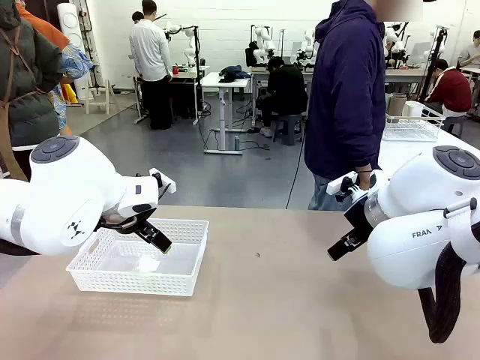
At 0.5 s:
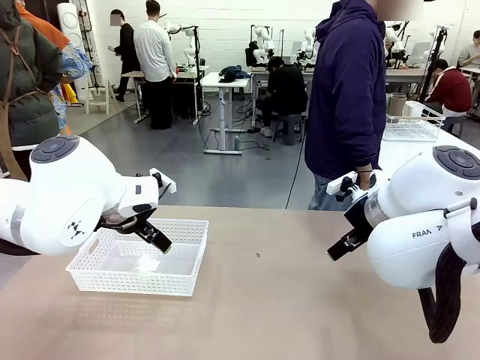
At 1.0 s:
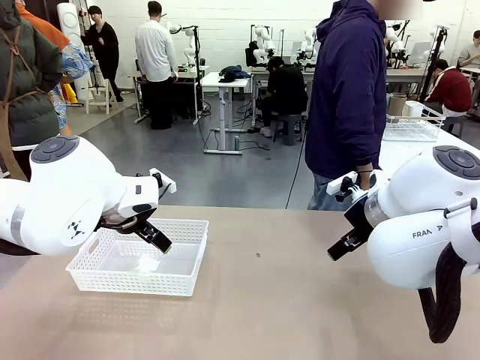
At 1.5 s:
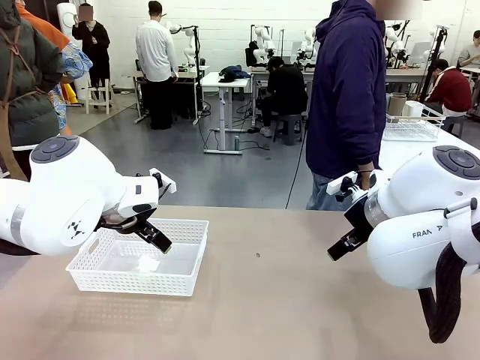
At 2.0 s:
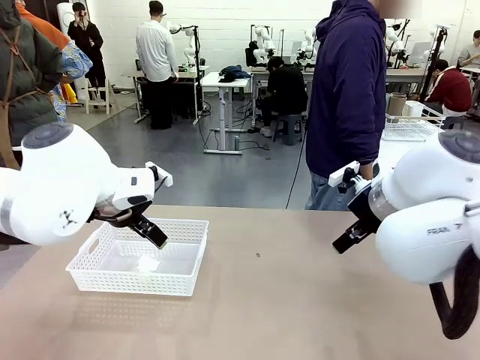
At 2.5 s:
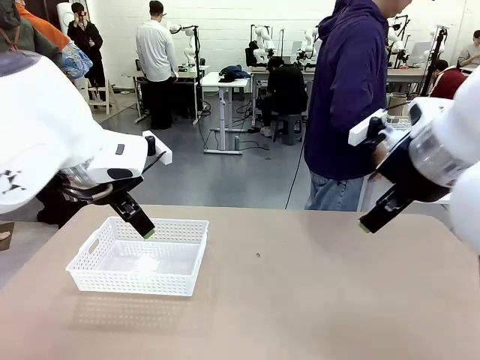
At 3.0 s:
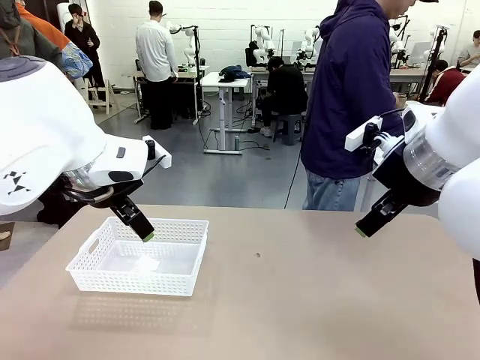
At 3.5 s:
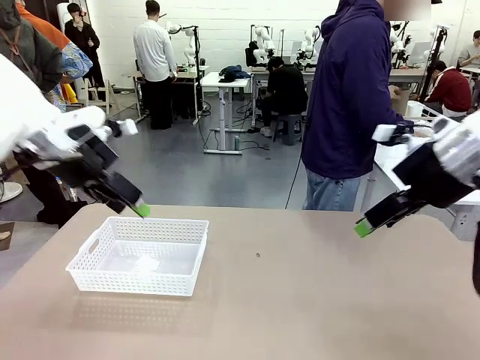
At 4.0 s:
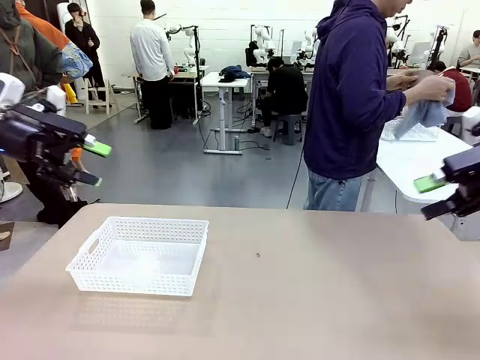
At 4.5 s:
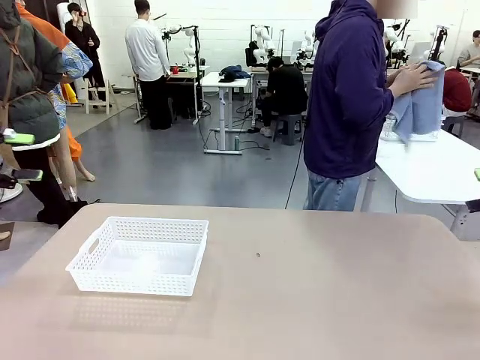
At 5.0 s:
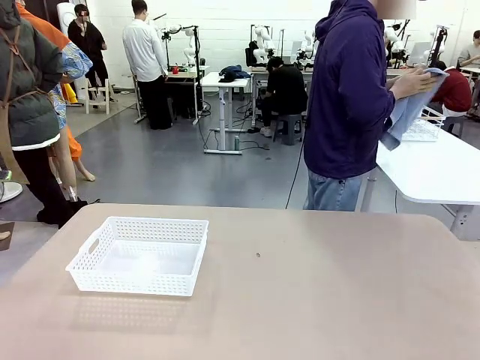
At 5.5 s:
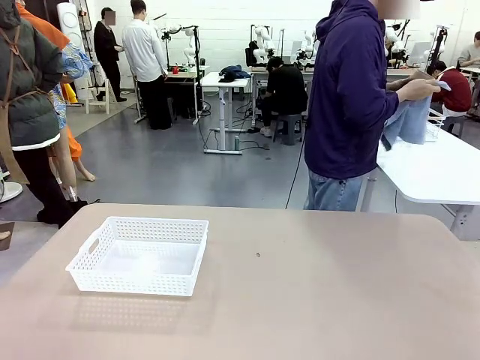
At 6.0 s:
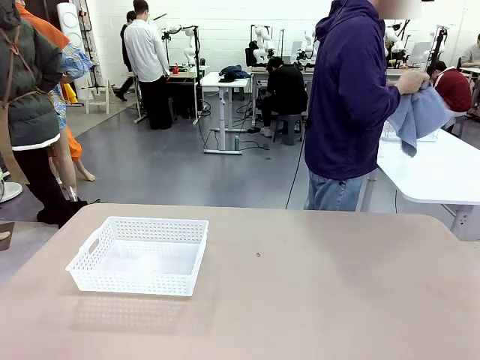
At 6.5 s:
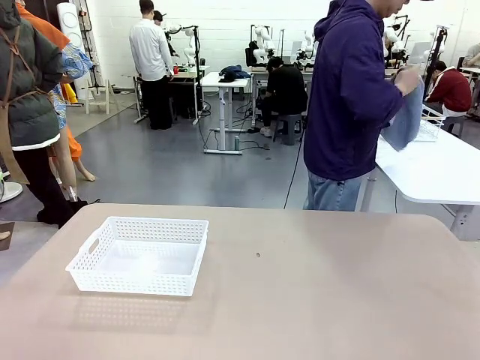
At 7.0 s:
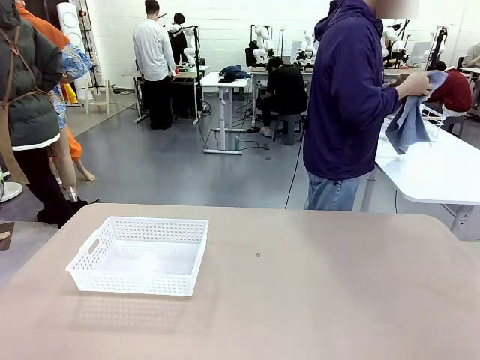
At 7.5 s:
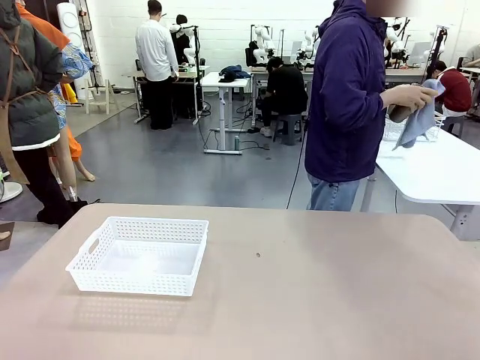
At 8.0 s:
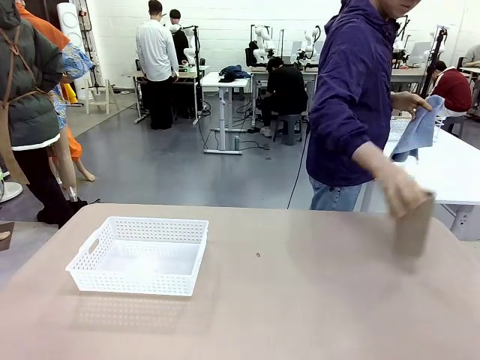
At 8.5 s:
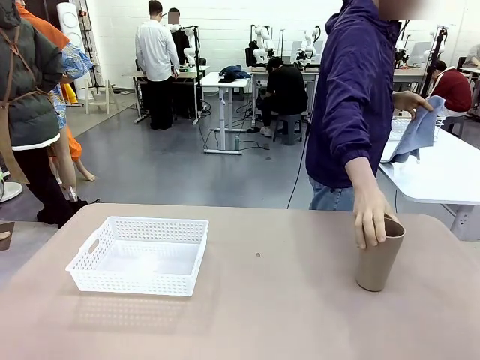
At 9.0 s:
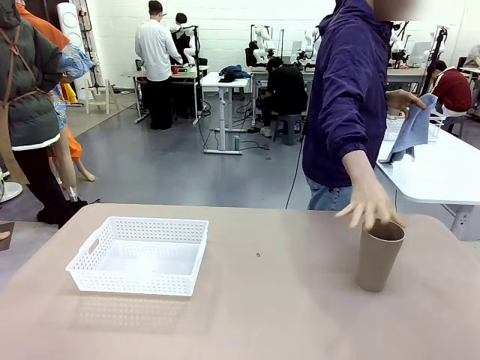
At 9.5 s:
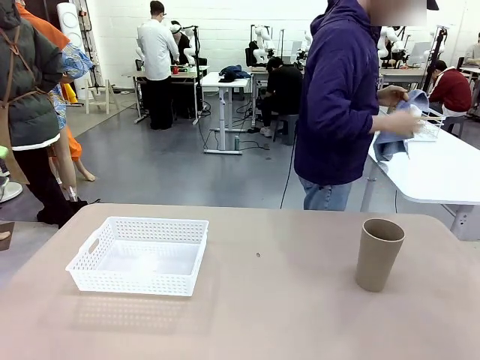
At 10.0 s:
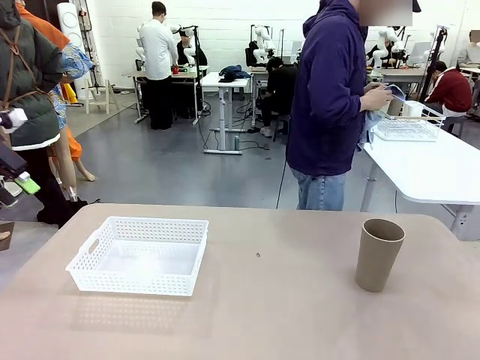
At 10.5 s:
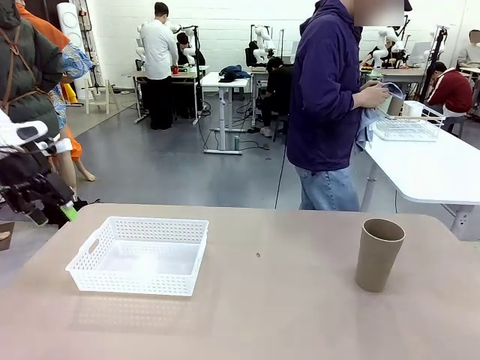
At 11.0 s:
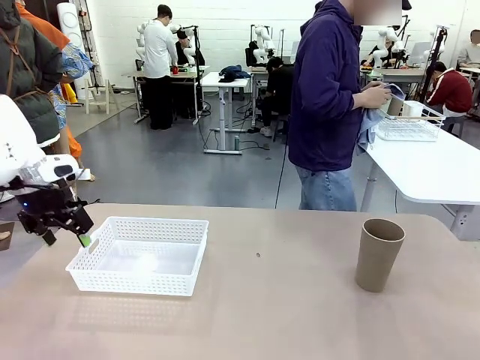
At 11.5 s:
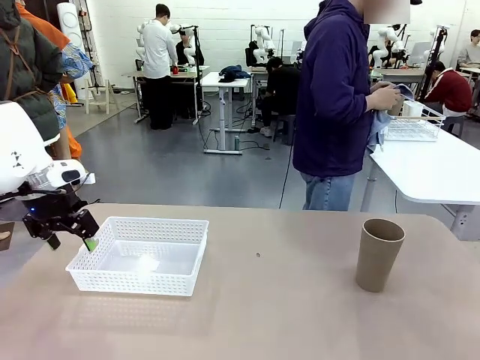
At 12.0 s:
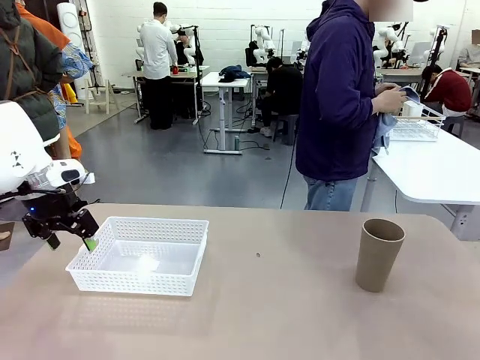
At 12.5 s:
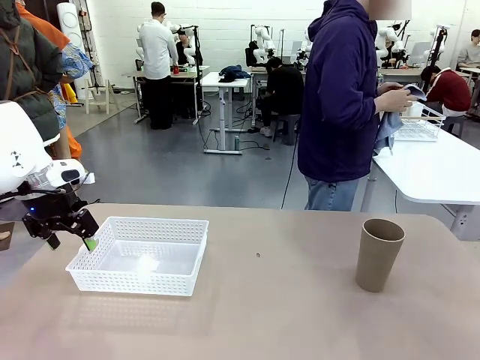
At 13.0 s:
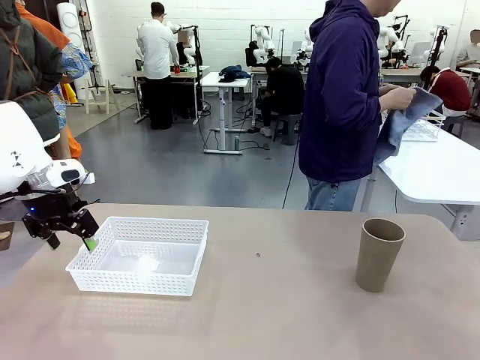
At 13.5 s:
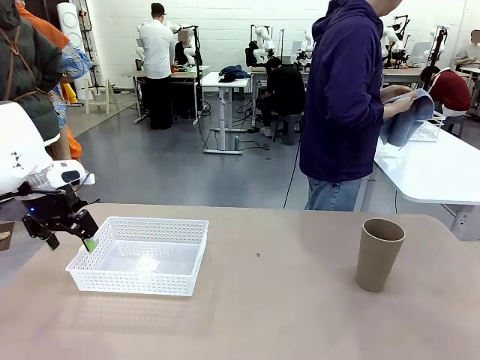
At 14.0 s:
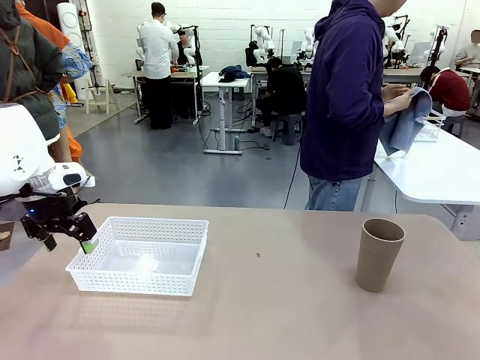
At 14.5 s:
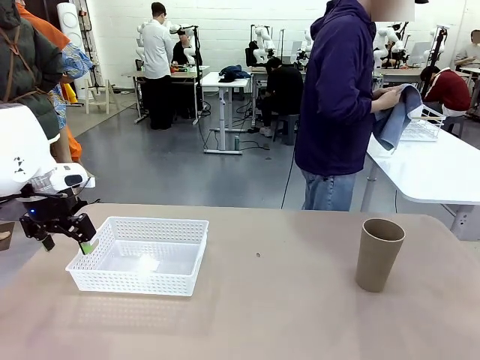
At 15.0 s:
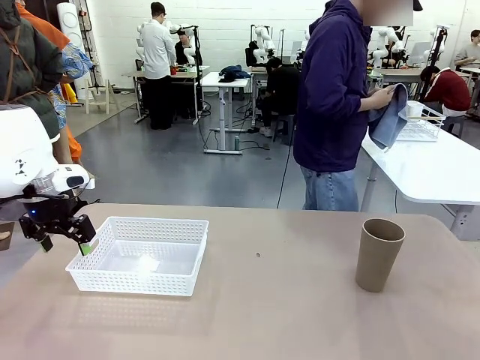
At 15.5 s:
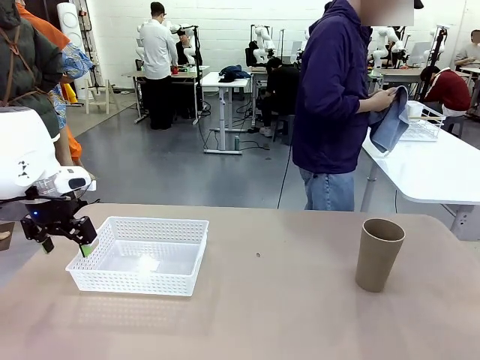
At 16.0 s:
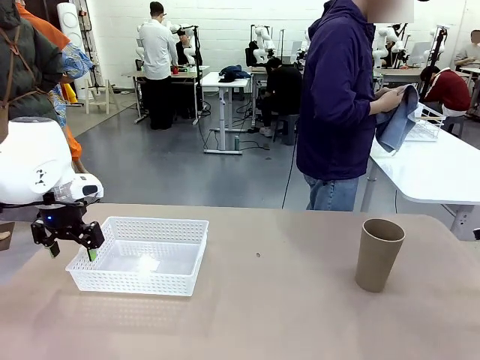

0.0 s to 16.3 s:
Task: Clean and organize the cups into the basket.
Robot: Pick up the Organizing basket and move it to the center of the table, then pick up the Reusable plastic cup from the right side of the table and place it inside the Organizing basket.
Person: Picks up a cup and a towel, cleans the cup with the towel, and places it on the left side of the robot table.

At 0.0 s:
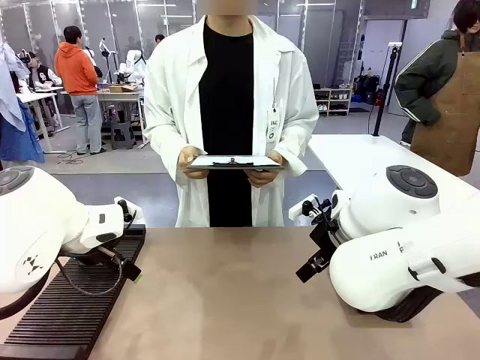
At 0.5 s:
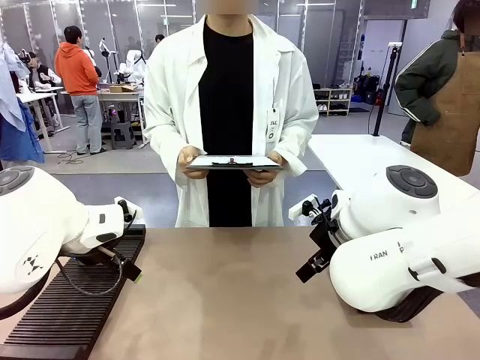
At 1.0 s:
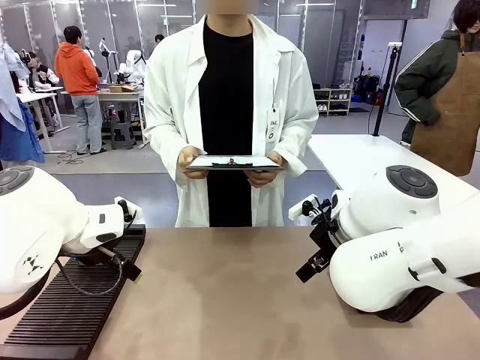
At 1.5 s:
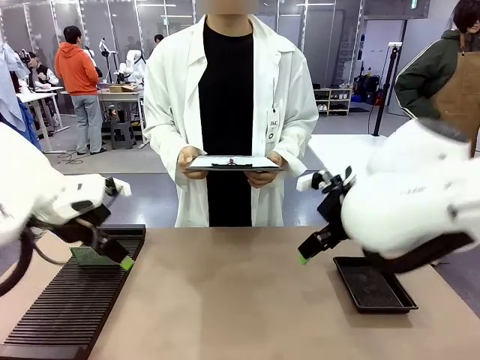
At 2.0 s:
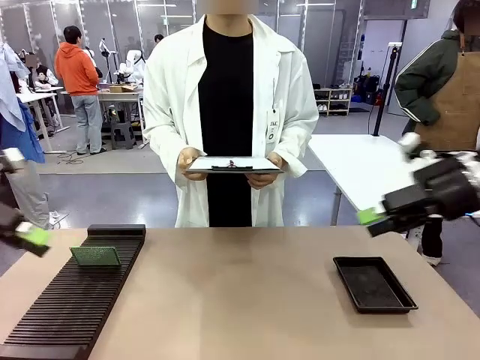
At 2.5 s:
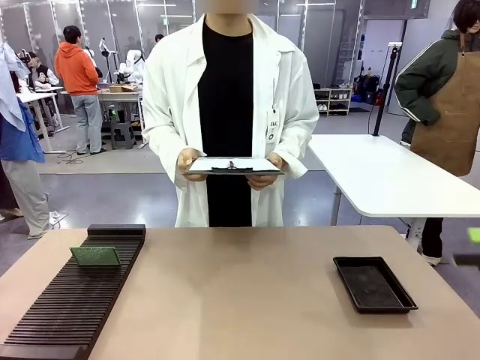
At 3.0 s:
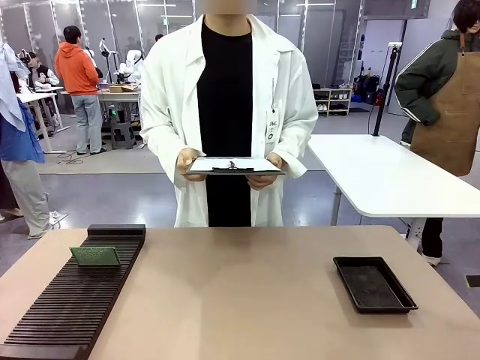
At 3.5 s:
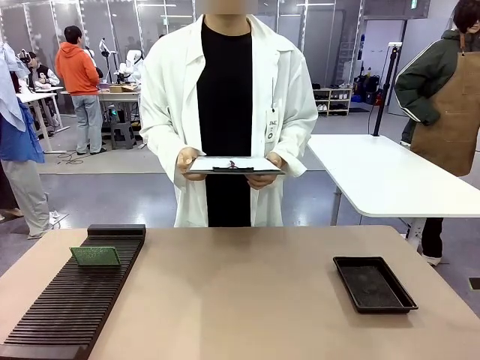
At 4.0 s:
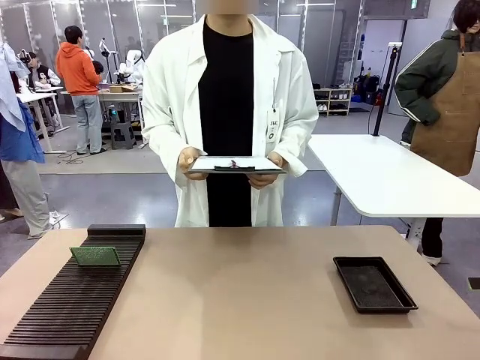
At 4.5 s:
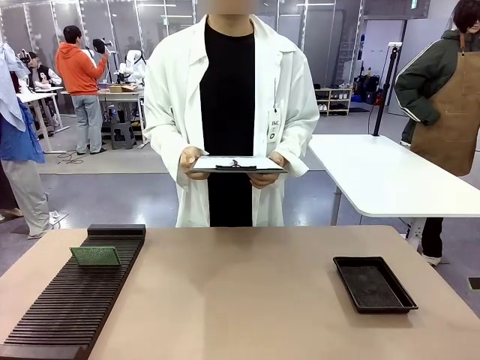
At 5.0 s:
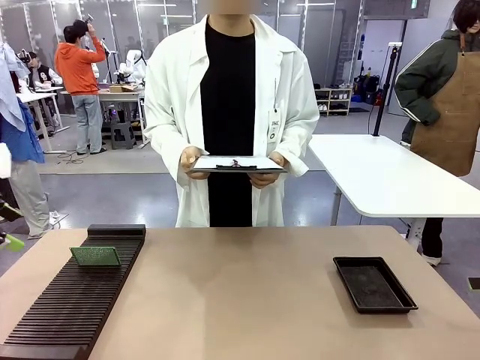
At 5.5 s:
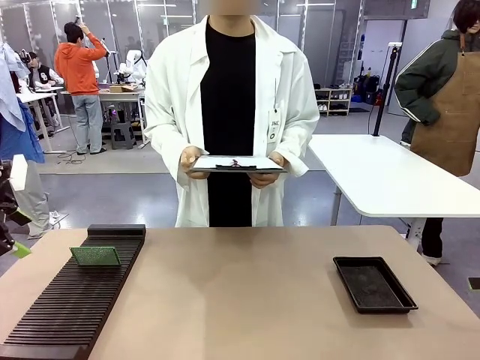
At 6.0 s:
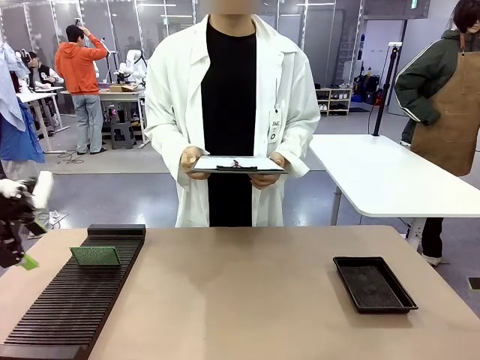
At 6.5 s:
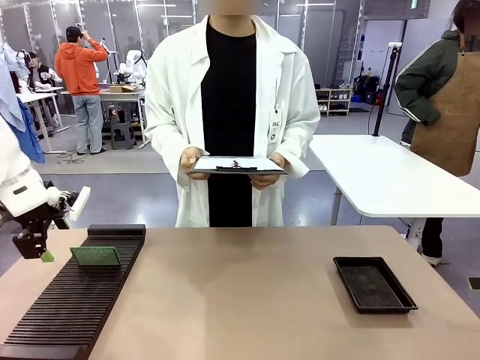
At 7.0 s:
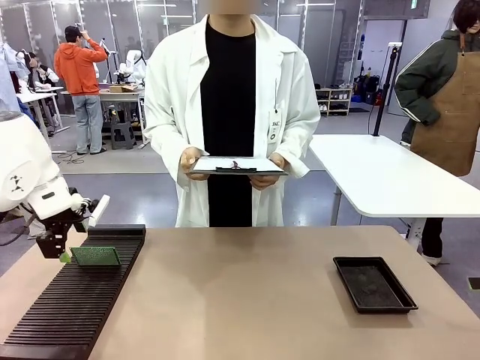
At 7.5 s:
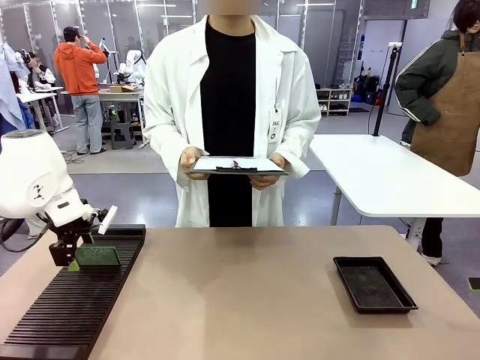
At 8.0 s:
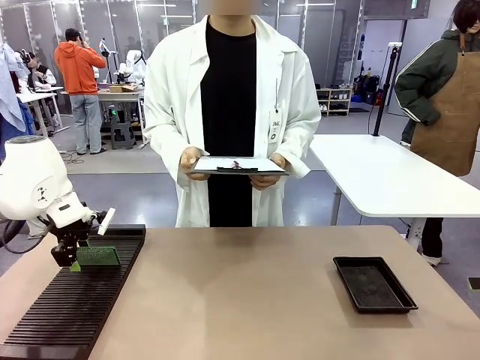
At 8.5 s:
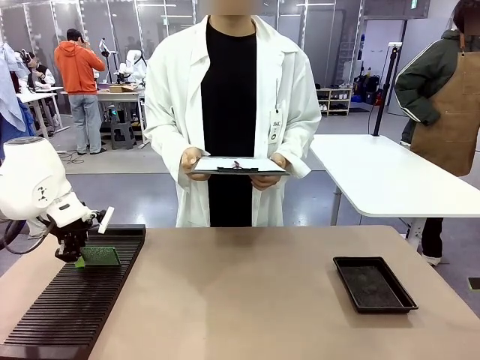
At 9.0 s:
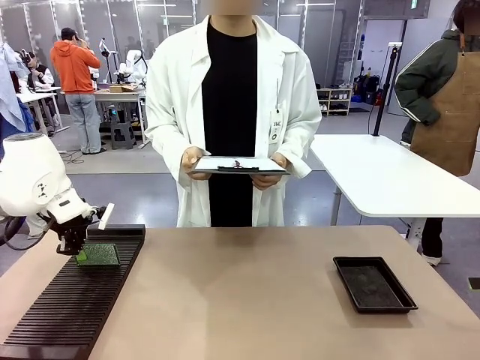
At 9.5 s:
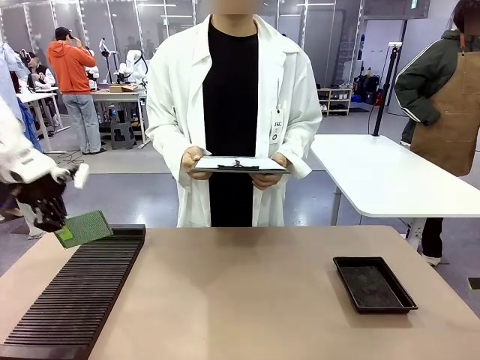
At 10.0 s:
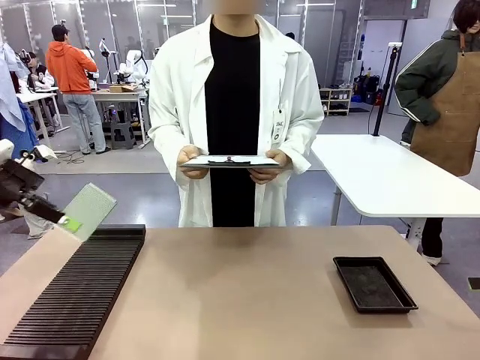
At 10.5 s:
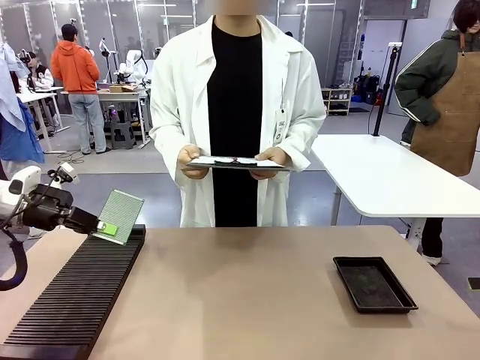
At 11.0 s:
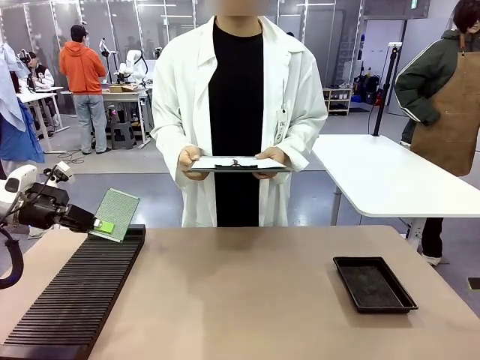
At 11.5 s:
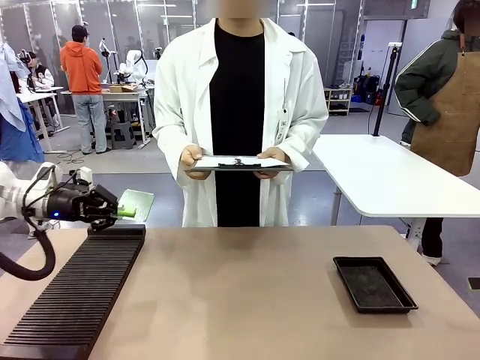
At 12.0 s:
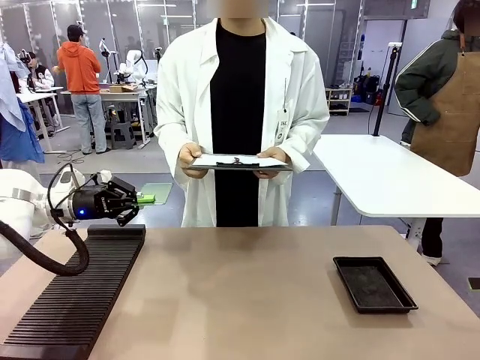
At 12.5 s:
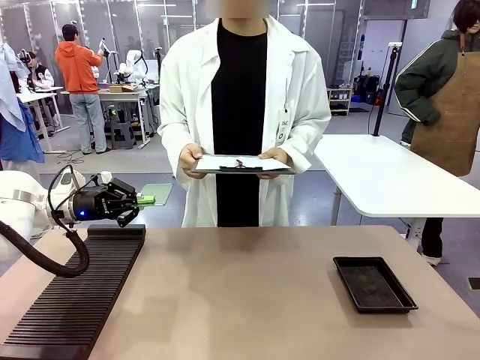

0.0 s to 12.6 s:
Task: Inspect the PCB.
Robot: Pick up the Blank PCB and present it to the human.
Person: Pick up the PCB presented by the robot.
